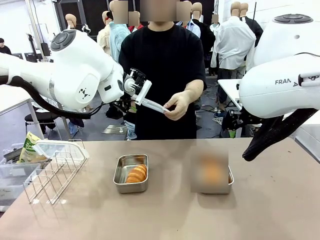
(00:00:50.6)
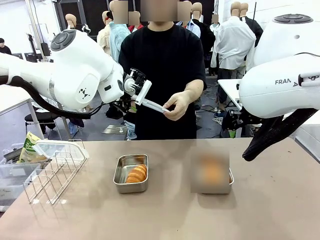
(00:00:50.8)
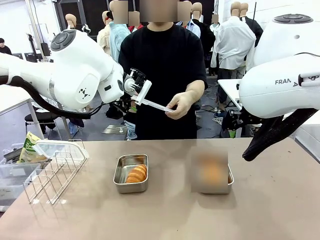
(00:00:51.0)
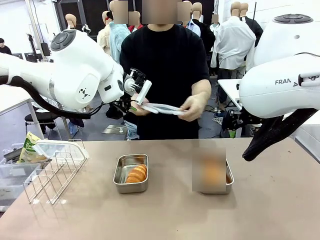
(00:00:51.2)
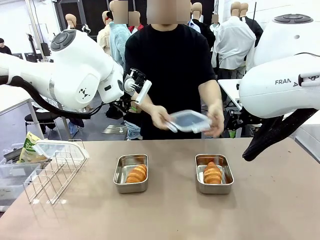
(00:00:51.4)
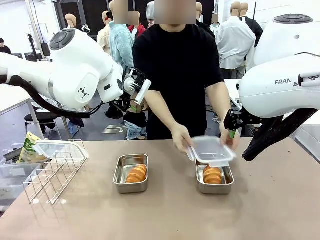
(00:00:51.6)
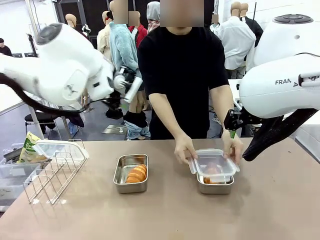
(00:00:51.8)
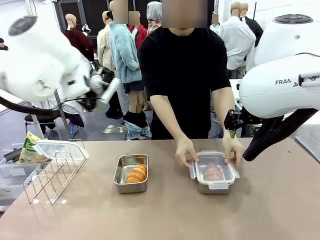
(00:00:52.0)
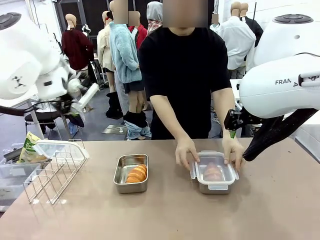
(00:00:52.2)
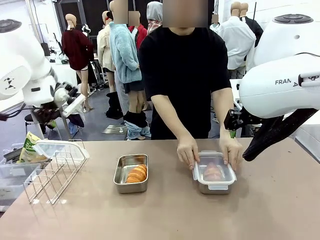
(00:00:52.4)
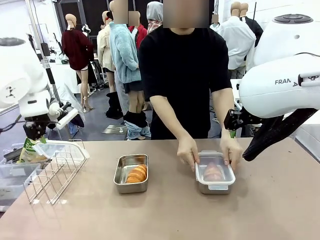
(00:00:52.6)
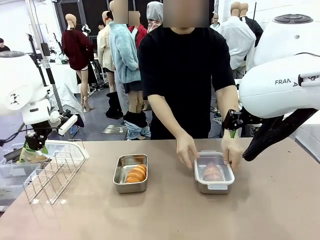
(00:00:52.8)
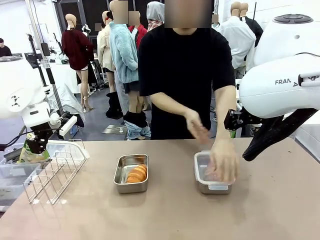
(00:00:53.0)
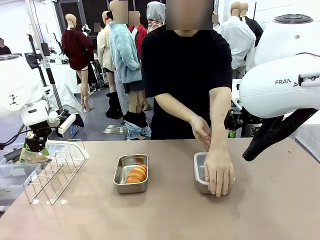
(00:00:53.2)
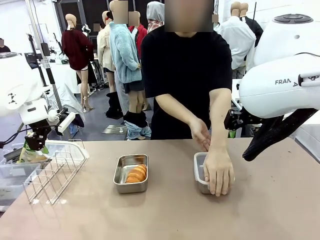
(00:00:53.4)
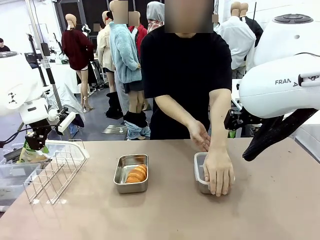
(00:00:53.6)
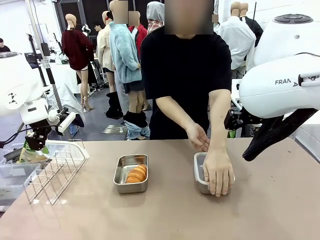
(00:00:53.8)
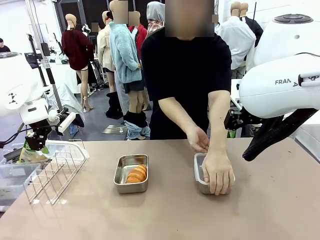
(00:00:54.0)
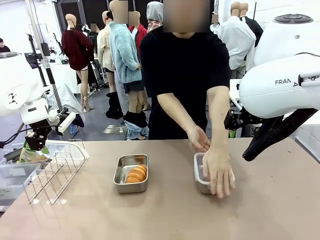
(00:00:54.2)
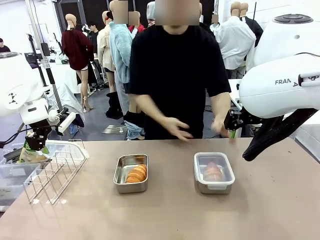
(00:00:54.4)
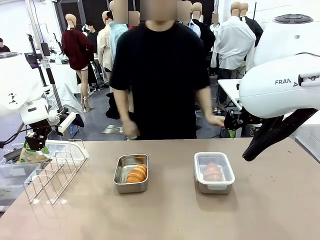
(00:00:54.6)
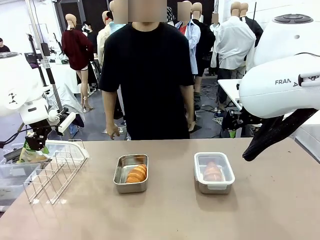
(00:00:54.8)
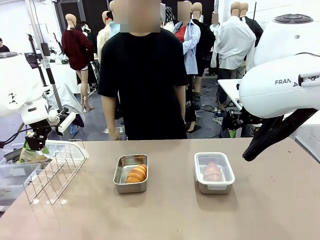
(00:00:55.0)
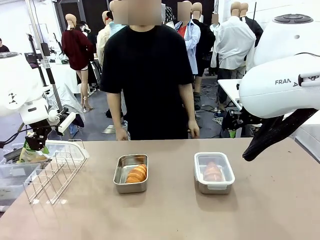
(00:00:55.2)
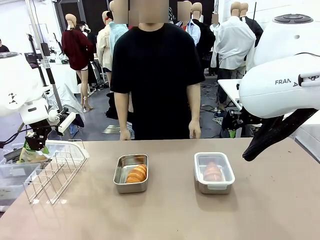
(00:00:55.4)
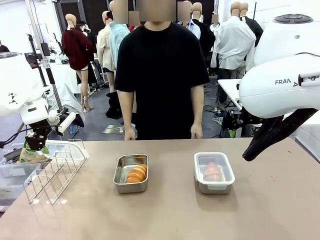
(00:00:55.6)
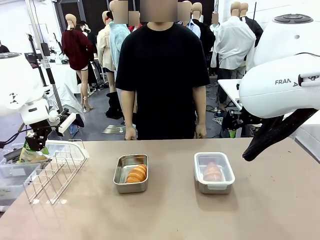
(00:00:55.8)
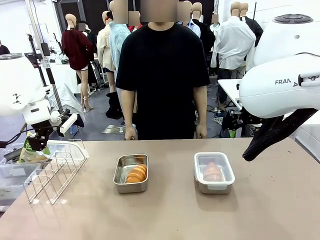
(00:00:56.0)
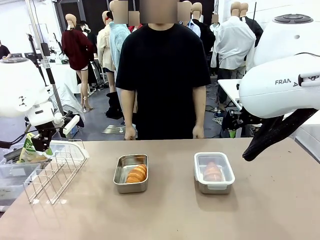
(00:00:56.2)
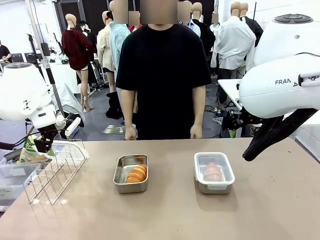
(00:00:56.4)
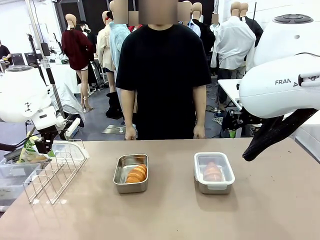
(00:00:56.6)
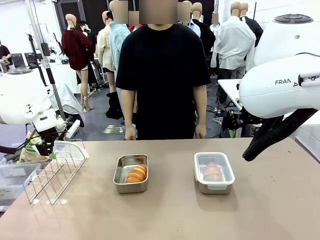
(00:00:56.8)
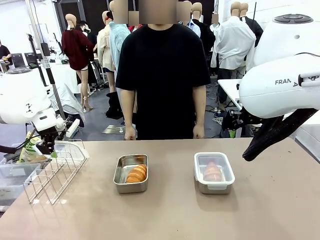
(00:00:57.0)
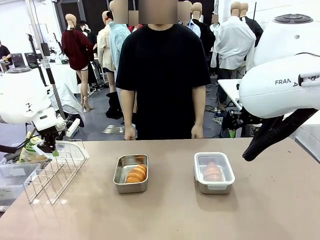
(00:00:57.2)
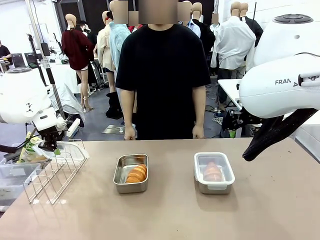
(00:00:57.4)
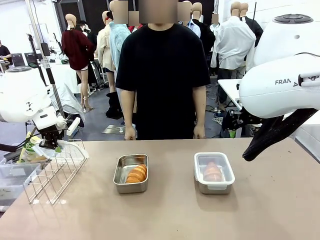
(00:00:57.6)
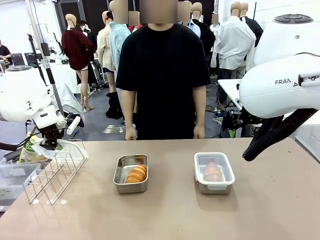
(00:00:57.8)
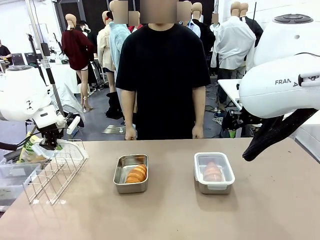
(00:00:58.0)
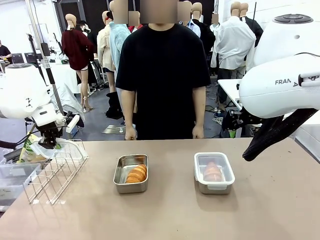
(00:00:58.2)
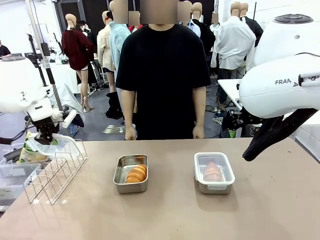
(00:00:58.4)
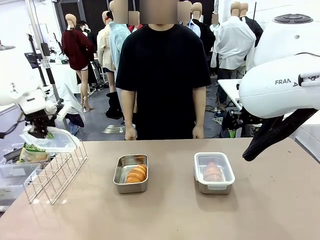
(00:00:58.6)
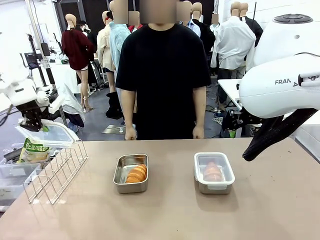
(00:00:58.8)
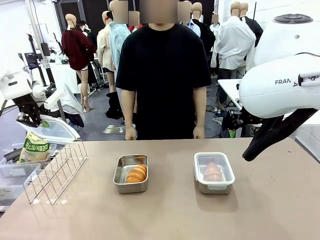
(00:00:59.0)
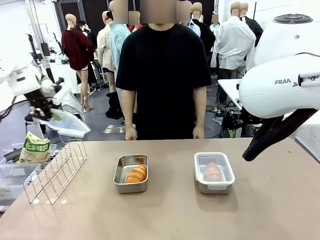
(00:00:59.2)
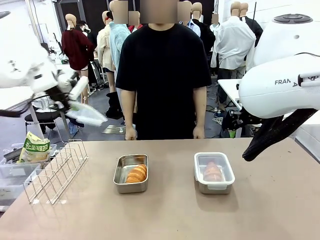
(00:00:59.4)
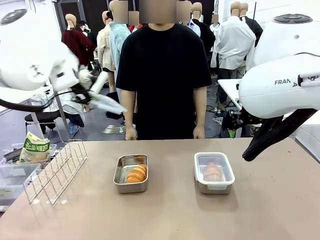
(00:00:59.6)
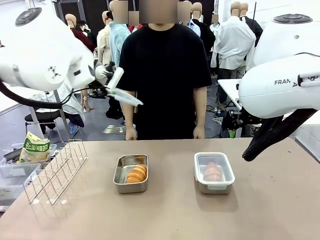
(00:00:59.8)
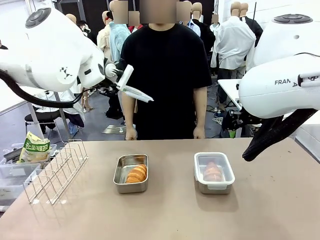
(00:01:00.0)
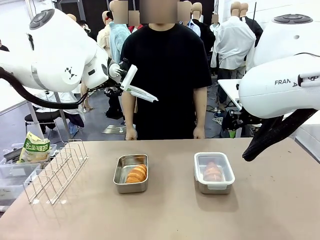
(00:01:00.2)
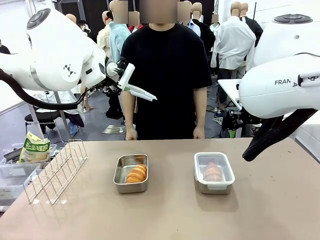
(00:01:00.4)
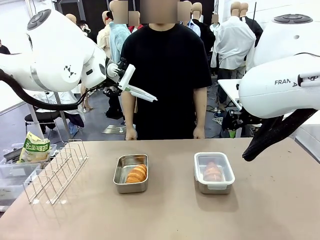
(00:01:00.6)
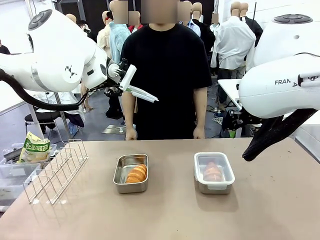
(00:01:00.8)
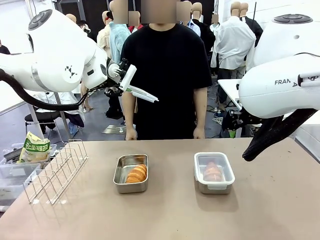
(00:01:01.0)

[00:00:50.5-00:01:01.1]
Task: Place the bread in airtight containers.
Robot: Pick up one Airtight Container lid and hand it to the human.
Person: Close Airtight Container with a handed Airtight Container lid. Grip Airtight Container lid that robot is handing.

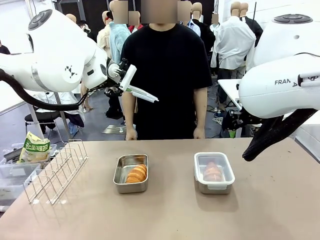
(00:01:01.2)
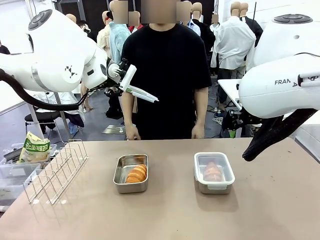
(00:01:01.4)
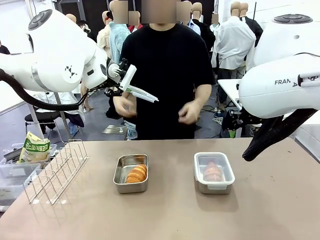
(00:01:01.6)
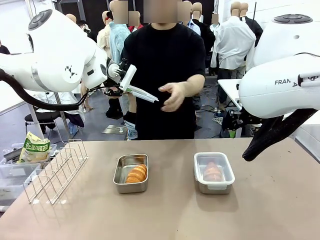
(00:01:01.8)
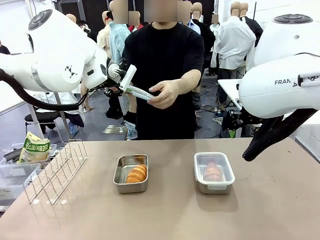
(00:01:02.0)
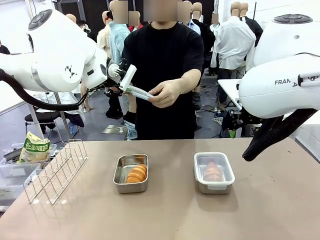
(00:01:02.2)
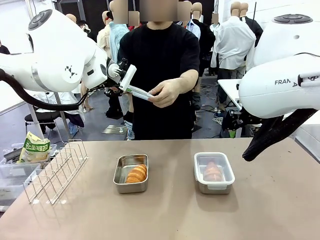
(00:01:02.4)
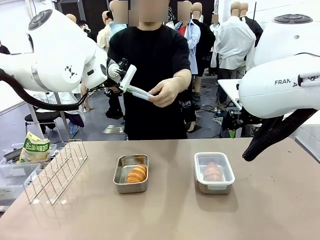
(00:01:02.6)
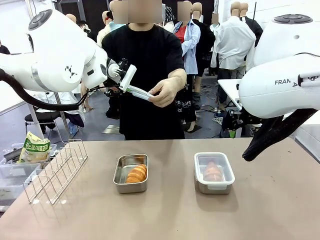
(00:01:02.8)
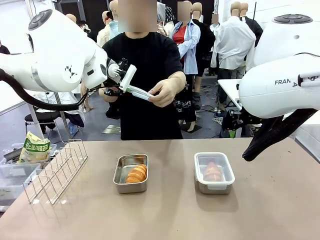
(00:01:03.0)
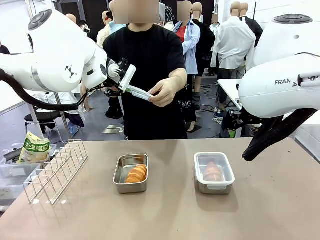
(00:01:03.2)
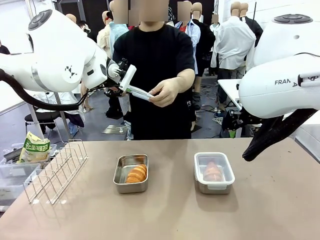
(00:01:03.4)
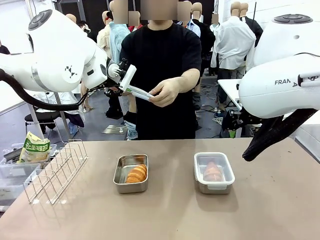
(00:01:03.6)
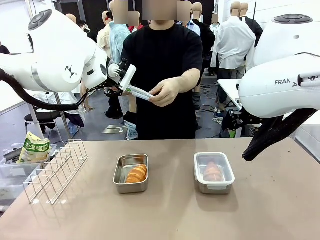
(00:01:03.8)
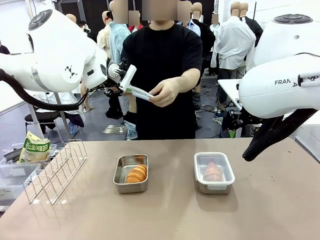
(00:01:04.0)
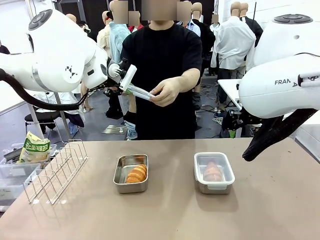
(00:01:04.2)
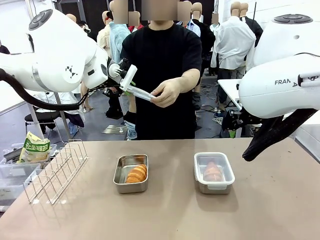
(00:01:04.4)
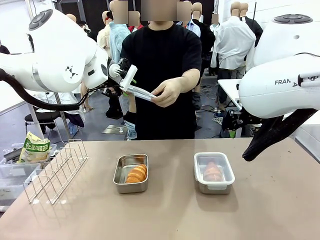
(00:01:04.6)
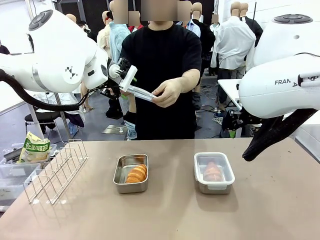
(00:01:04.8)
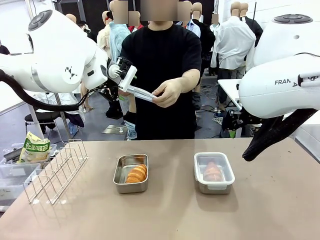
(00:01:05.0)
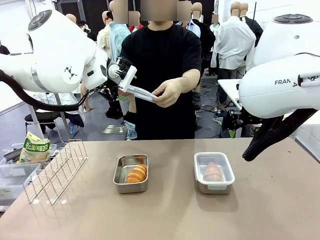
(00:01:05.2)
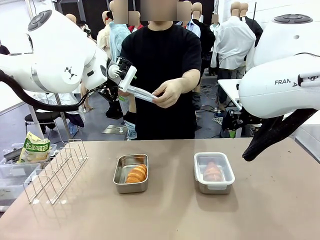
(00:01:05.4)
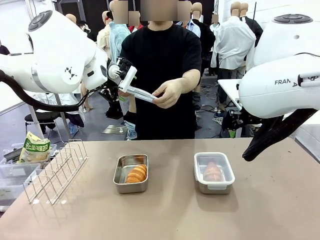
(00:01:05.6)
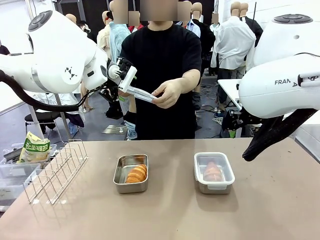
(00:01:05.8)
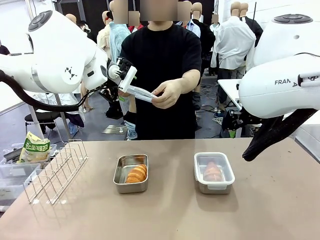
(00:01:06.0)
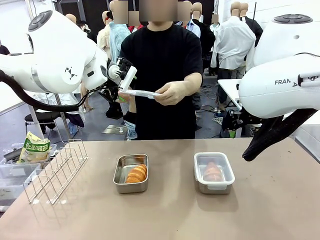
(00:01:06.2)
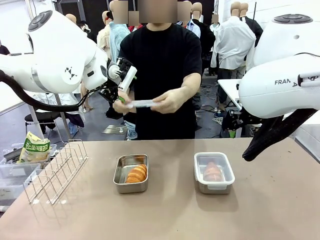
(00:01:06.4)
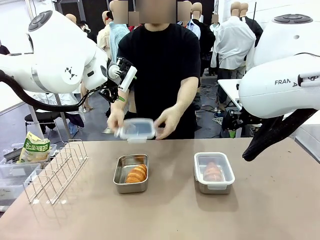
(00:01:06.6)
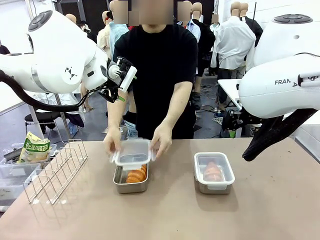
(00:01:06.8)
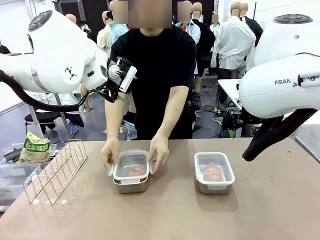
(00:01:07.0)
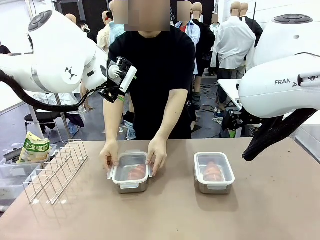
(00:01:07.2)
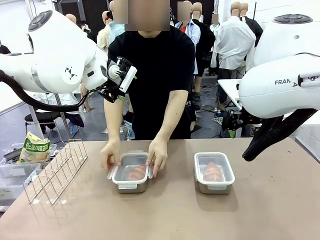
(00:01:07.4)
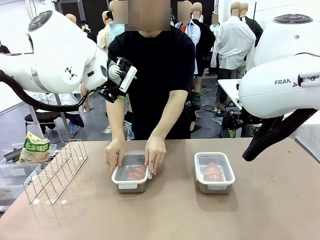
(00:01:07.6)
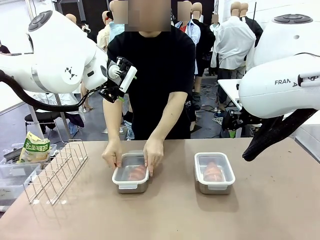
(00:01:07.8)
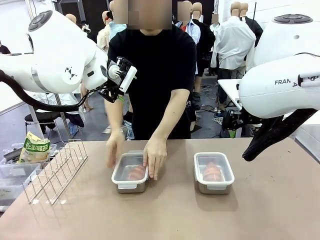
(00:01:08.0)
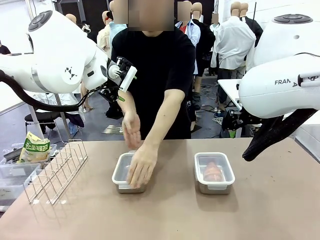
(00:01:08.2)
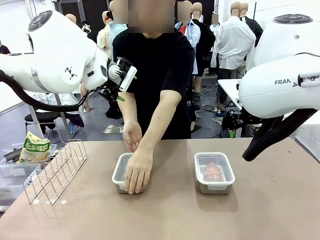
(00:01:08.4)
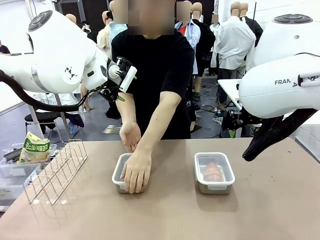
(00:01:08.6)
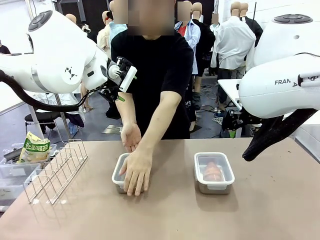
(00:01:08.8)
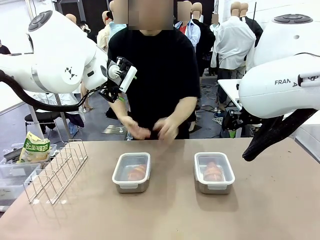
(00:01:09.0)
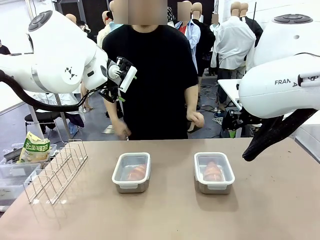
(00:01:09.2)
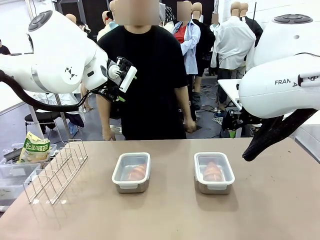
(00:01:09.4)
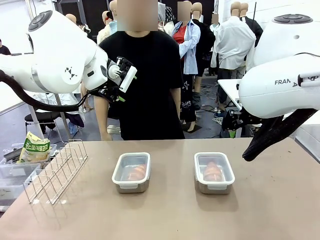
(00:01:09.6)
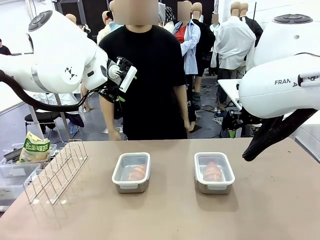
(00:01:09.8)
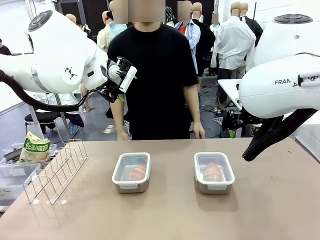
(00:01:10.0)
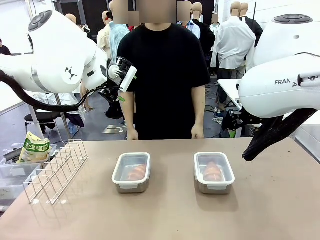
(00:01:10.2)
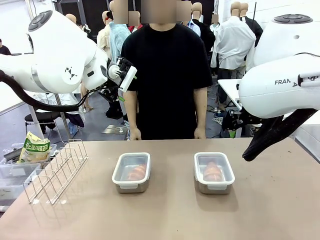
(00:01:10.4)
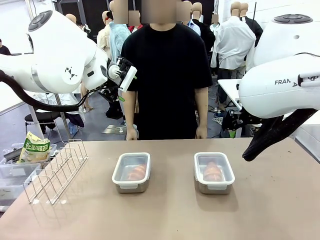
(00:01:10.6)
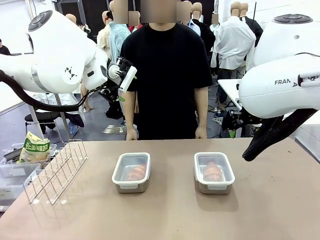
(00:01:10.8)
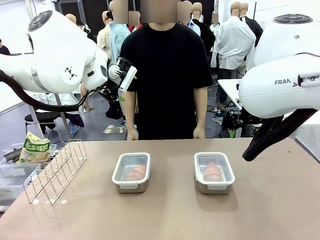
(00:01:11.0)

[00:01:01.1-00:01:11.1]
Robot: Release when the human grabs the Airtight Container lid.
Person: Close Airtight Container with a handed Airtight Container lid.
